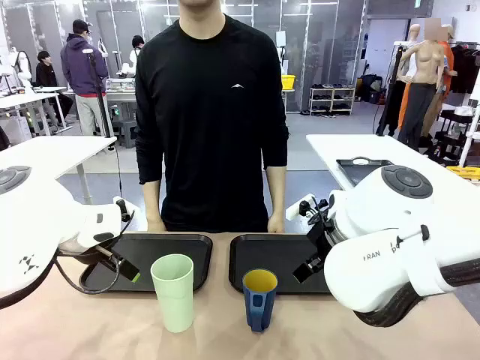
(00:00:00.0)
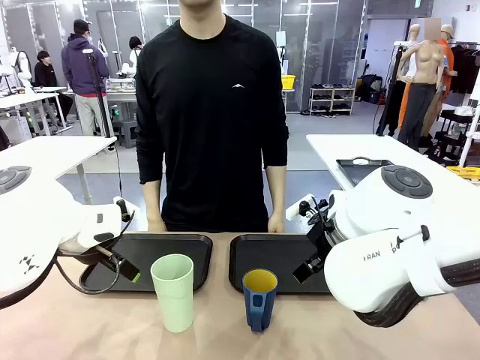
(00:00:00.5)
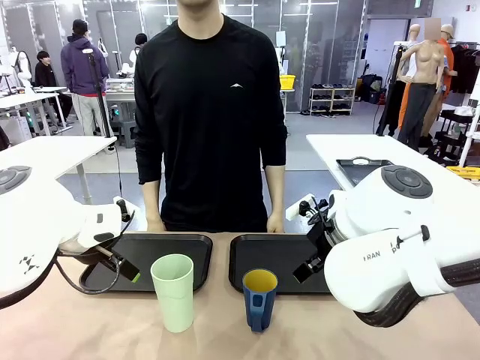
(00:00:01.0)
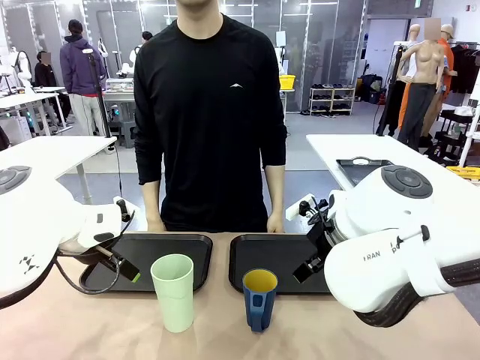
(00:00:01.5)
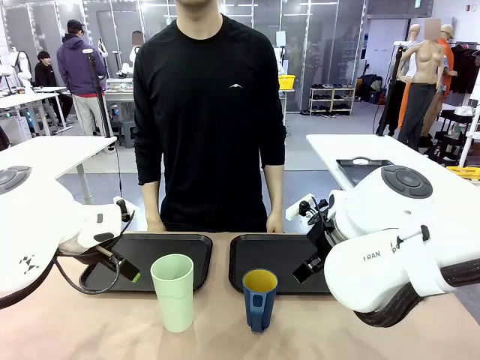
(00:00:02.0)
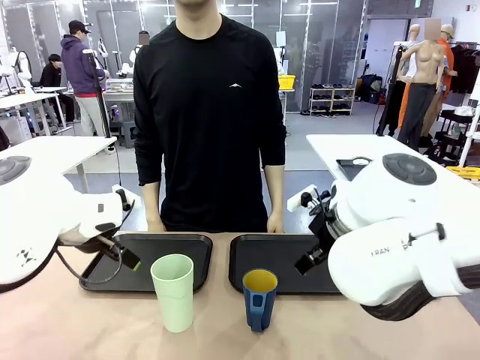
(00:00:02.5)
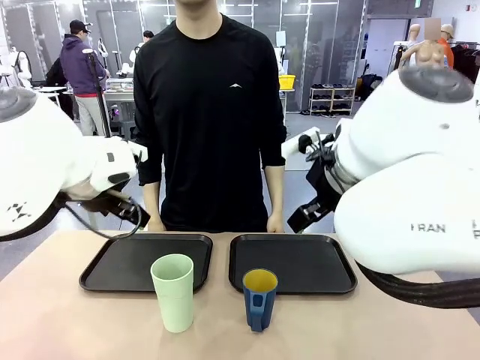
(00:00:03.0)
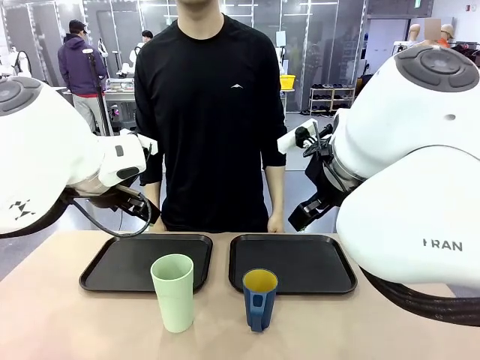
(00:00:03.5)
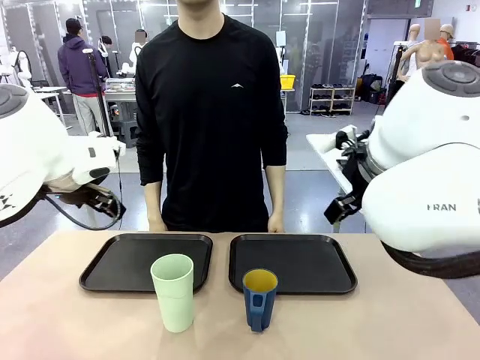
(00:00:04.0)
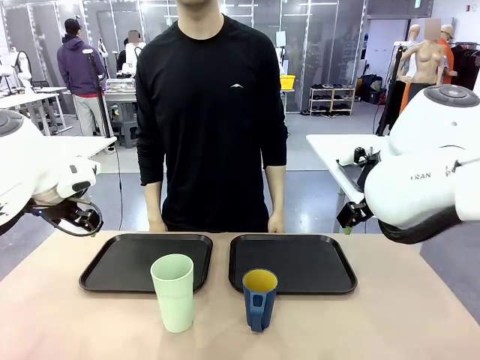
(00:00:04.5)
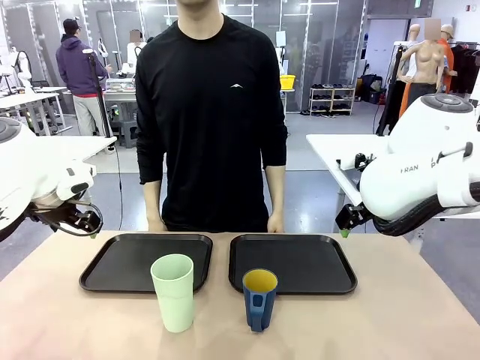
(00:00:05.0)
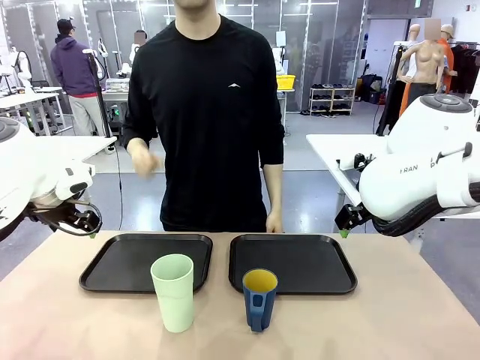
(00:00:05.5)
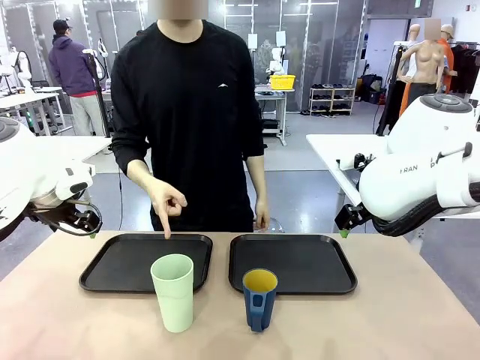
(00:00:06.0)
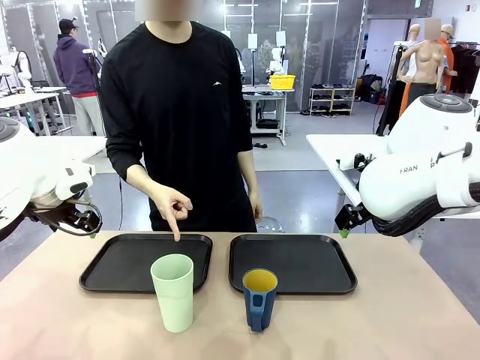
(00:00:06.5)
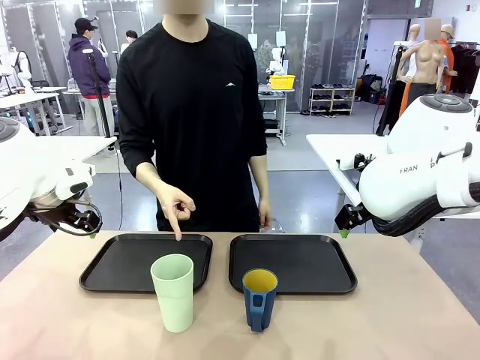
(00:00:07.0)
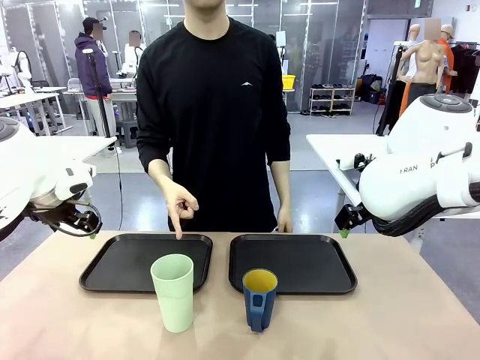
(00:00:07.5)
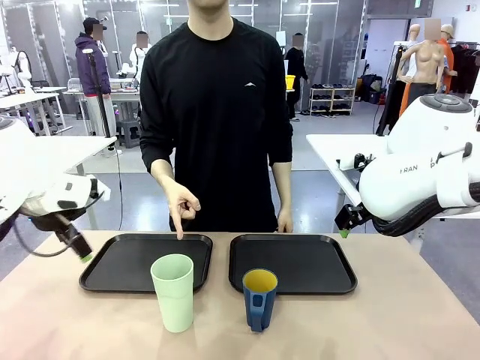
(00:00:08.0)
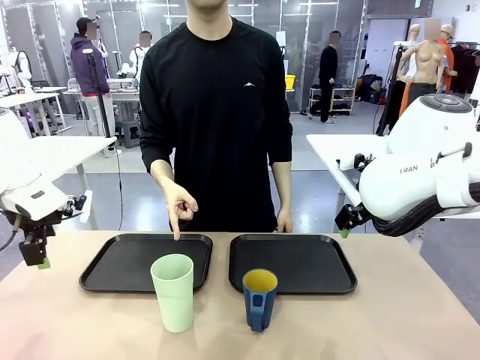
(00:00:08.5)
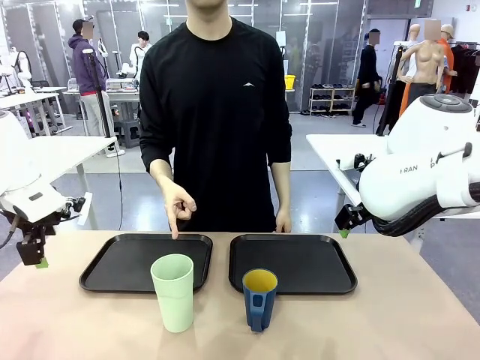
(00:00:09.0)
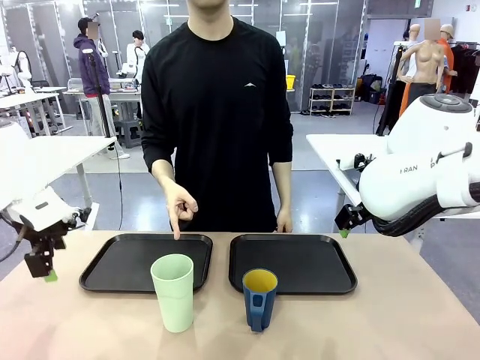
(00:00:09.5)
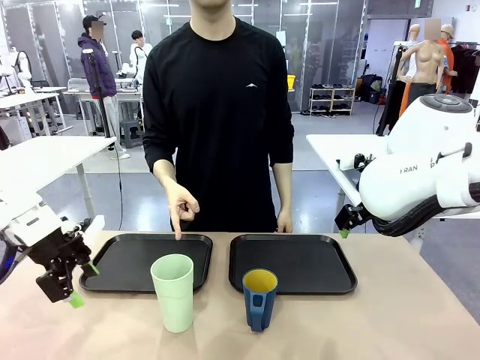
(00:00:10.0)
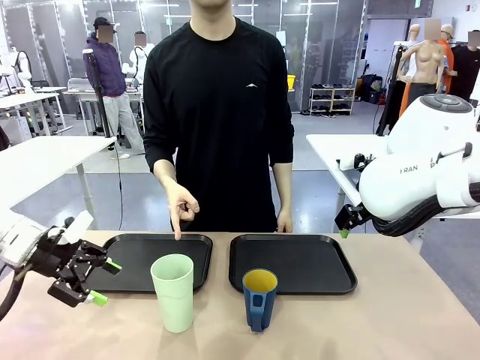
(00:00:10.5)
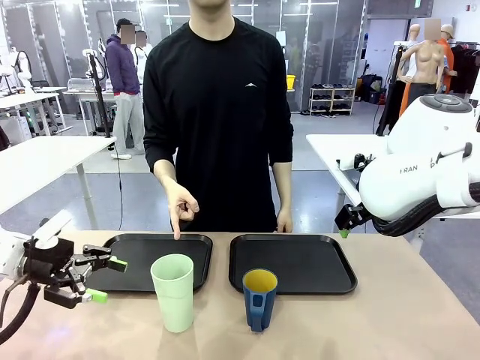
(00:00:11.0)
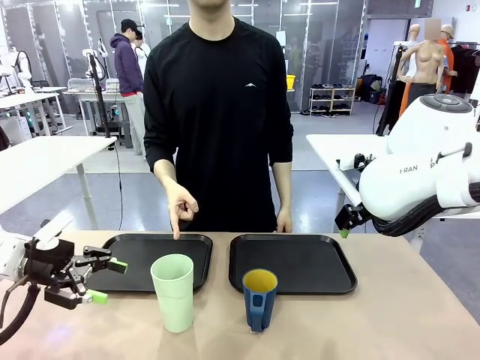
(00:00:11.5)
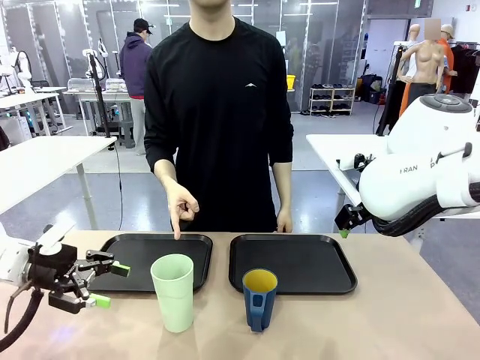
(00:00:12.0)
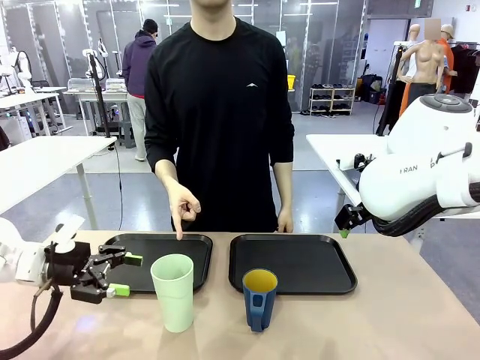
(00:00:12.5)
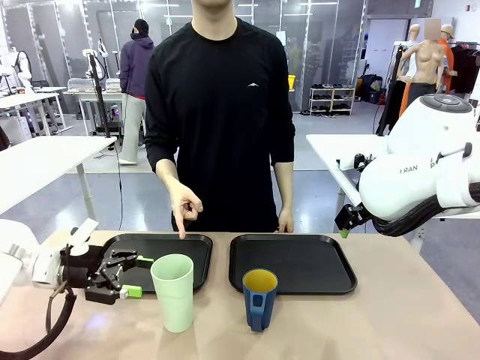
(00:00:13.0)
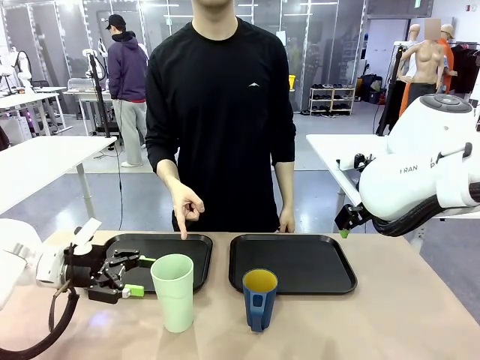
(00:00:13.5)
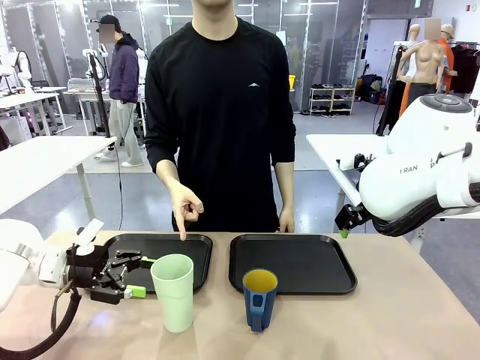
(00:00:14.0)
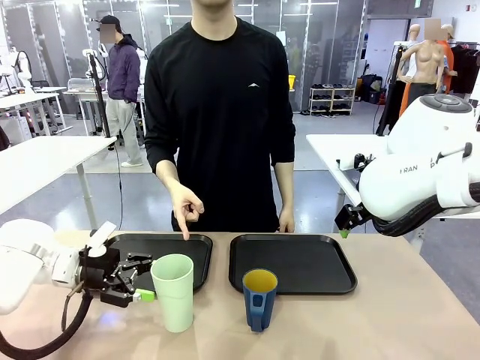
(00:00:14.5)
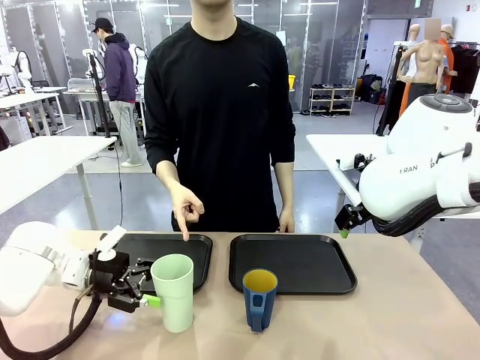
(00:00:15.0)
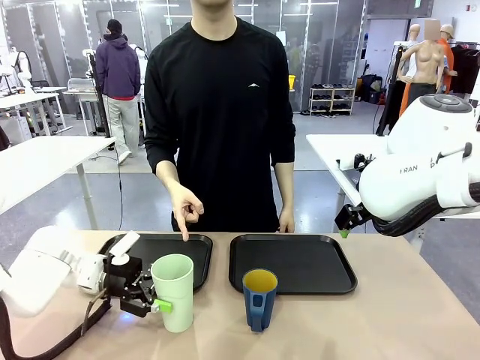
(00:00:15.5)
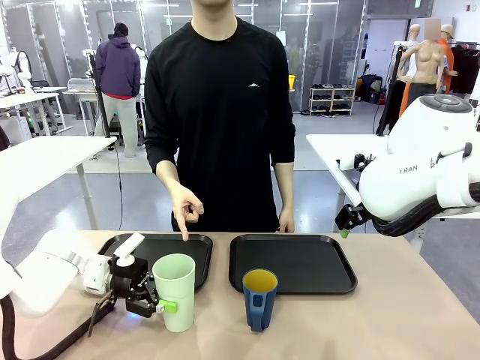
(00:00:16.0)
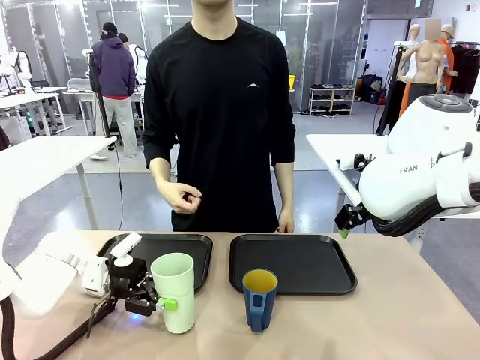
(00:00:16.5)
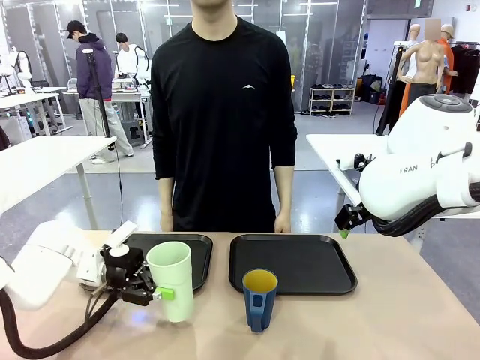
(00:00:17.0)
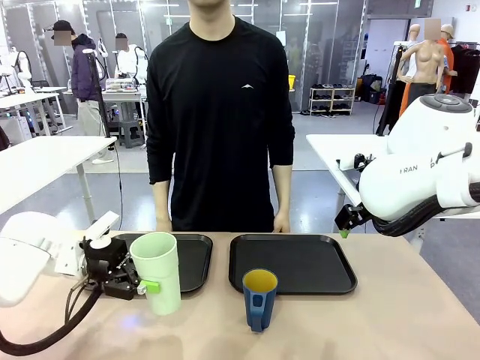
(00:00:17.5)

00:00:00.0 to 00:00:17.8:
Task: Sort and store the cups by type.
Robot: Pick up the Reusable plastic cup.
Person: Points to the reusable cup. Point to one of the two trays.

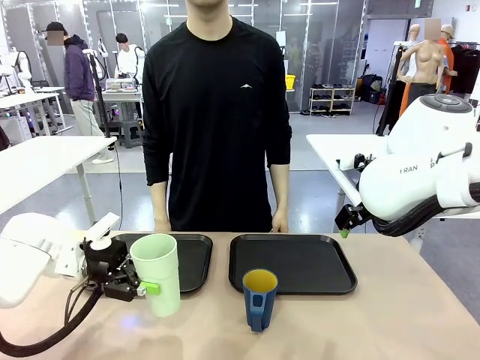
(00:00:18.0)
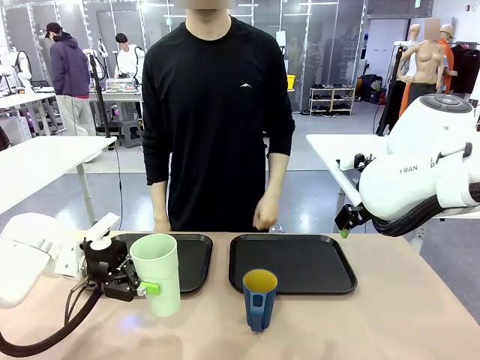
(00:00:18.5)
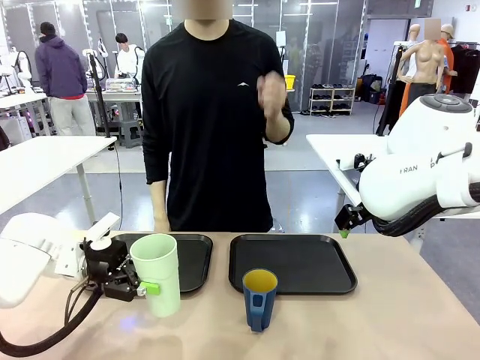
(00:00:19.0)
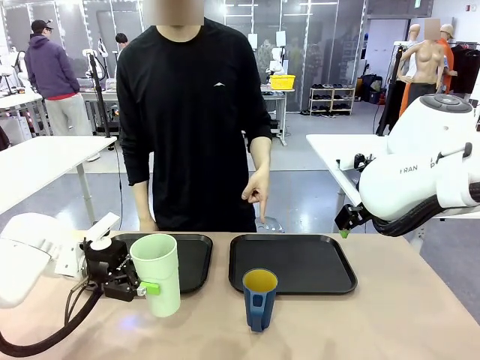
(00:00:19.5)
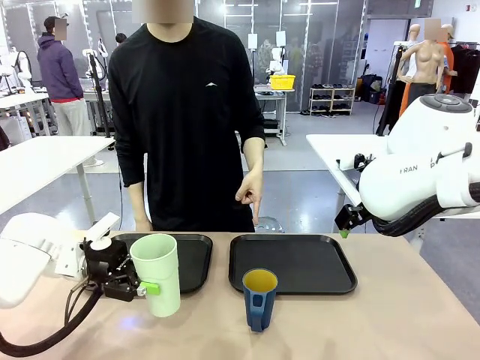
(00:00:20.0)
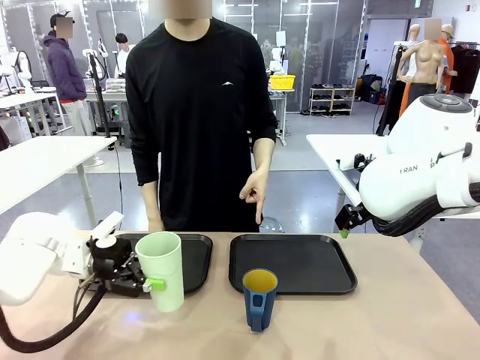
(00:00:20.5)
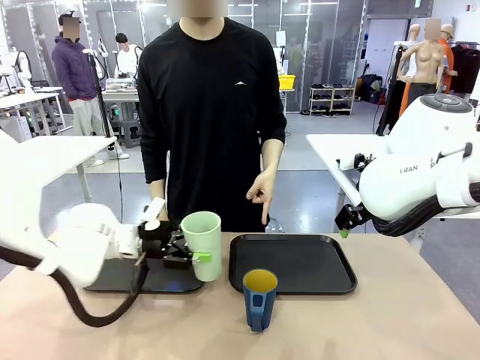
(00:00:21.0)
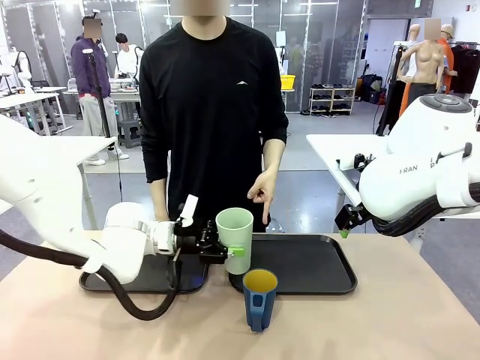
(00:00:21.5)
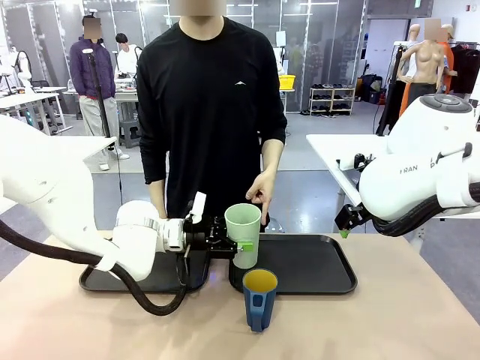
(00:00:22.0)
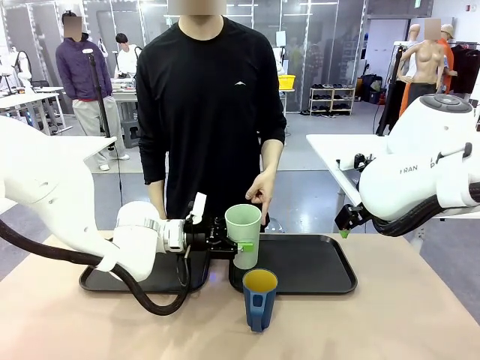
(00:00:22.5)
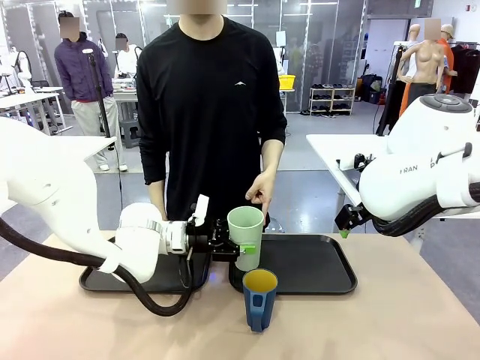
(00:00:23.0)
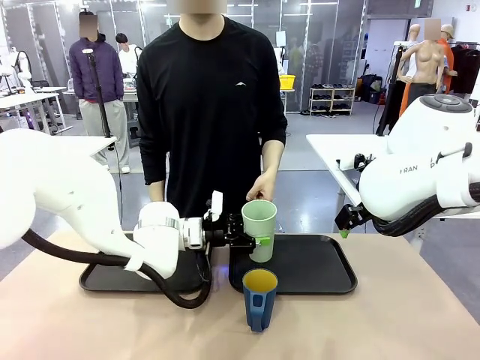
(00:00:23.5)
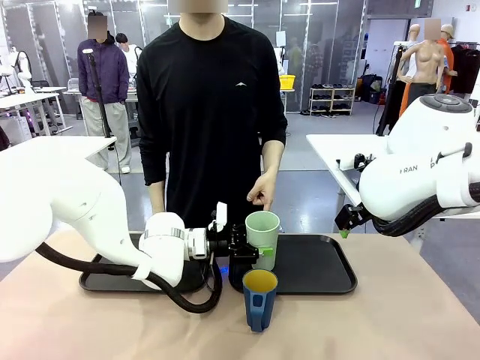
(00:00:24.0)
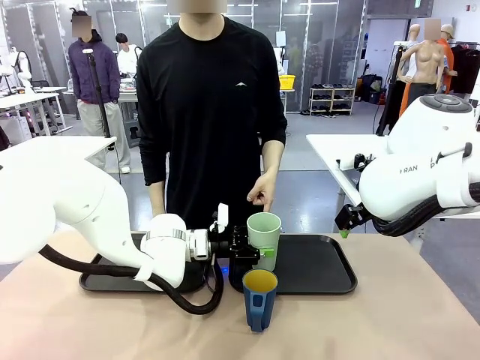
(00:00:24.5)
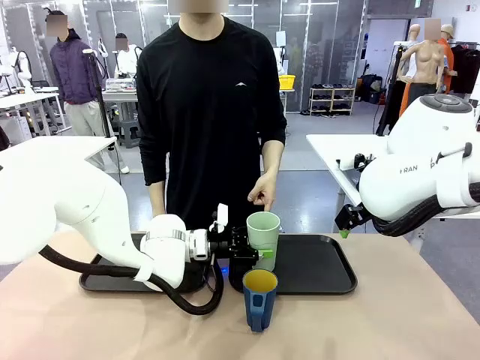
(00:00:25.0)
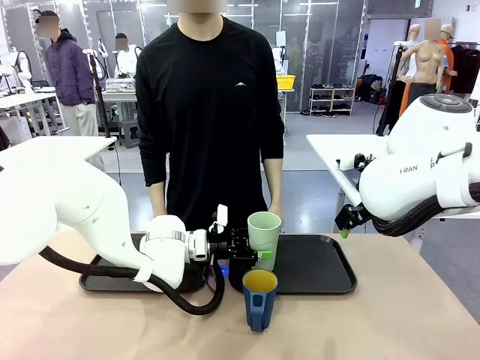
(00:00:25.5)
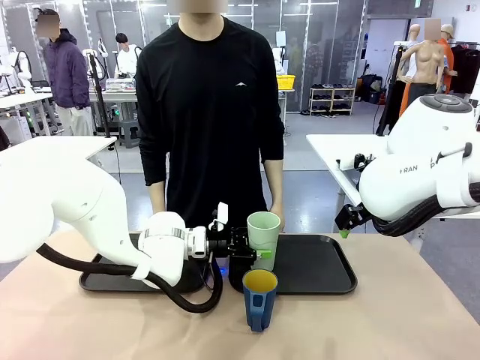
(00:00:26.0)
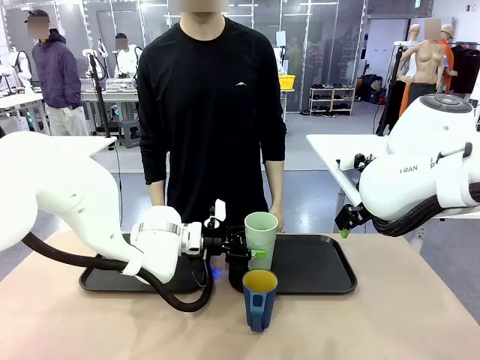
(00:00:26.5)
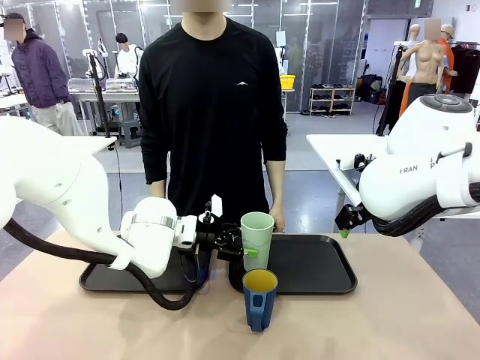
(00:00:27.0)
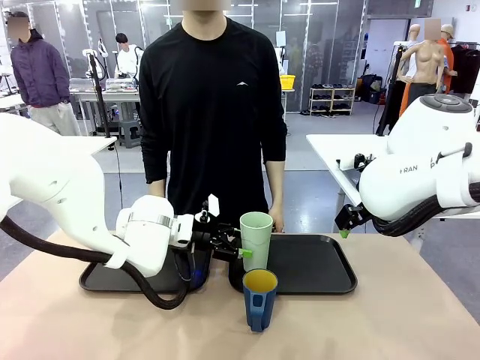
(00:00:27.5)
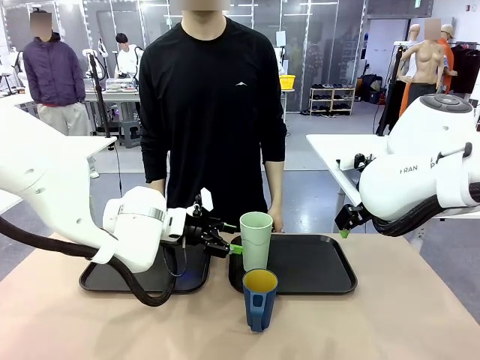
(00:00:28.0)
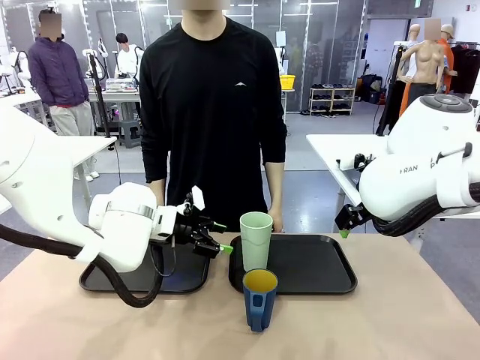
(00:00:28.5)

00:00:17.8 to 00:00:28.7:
Robot: Place the picked Reusable plastic cup into the Flat Tray indicated by the person.
